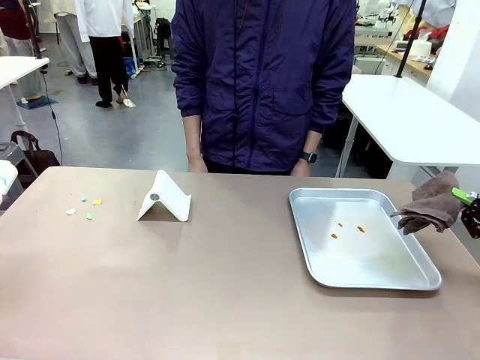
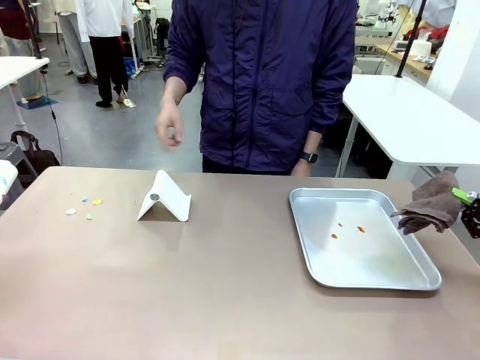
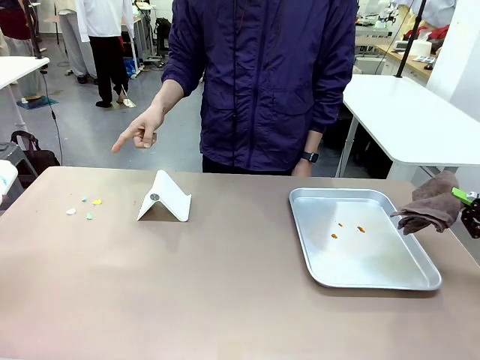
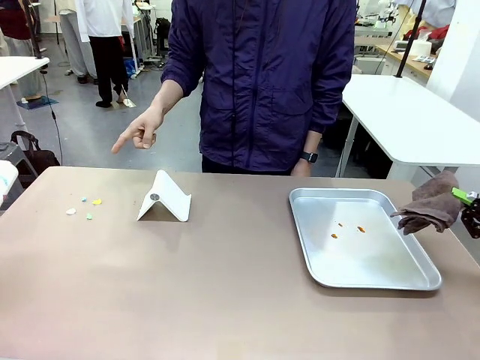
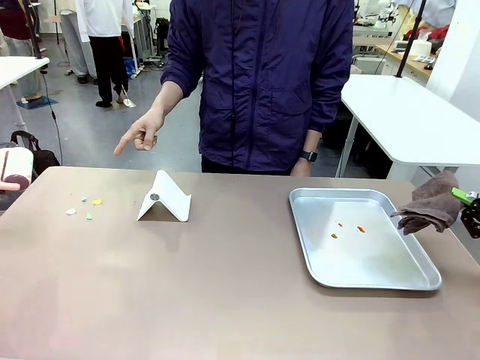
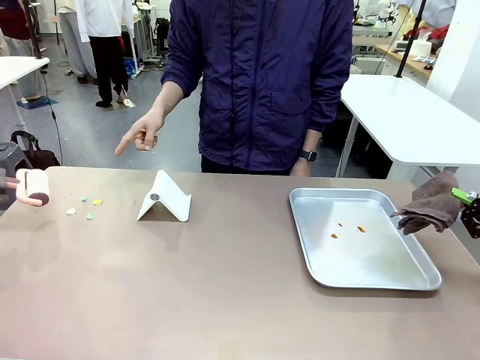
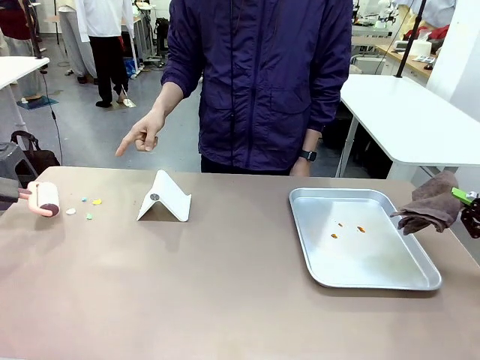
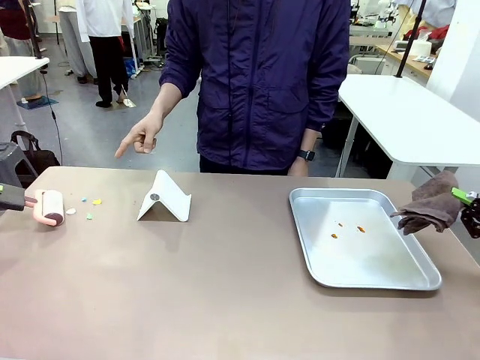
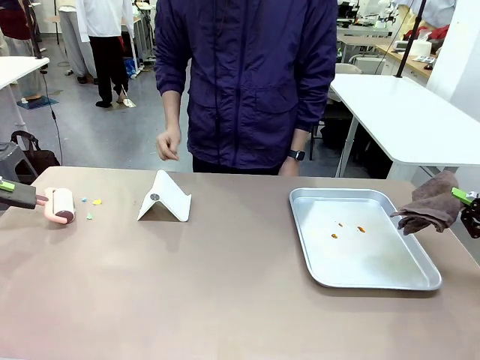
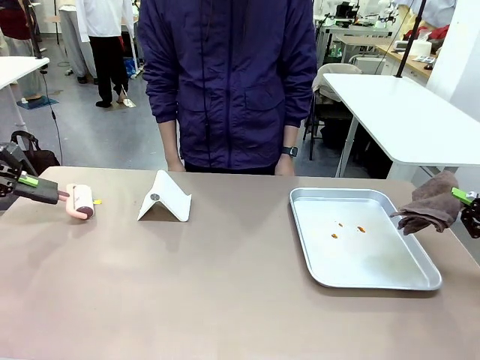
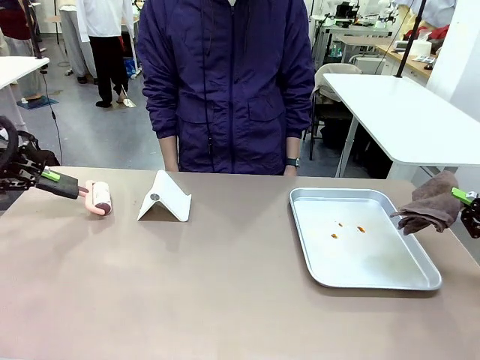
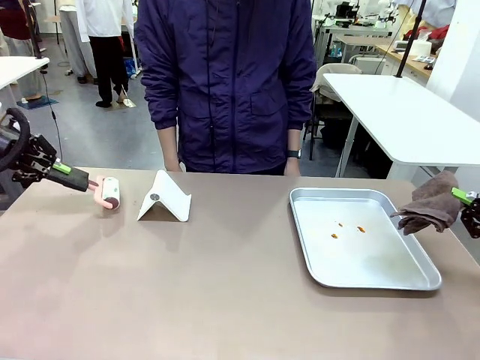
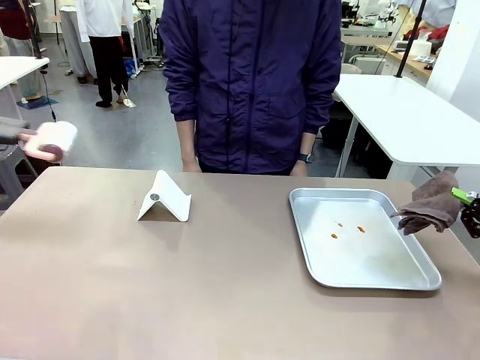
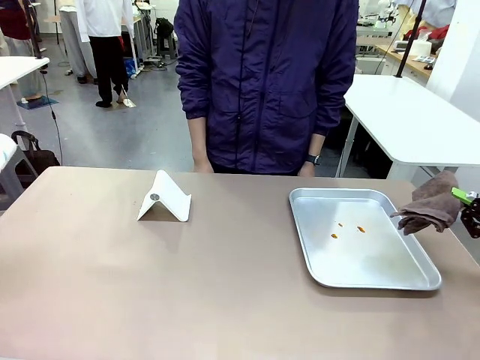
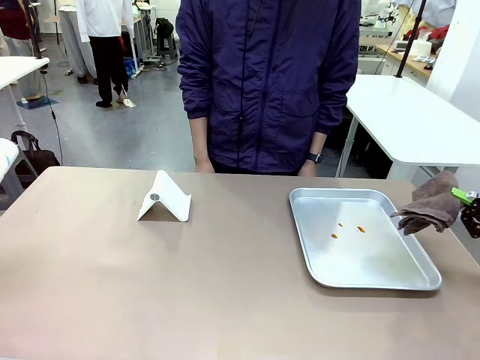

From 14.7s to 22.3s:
Task: Clean the surface of the table.
Robot: If a person points to the right, clean the right side of the table with your right hand, and if they point to the left, clean the left side with your left hand.

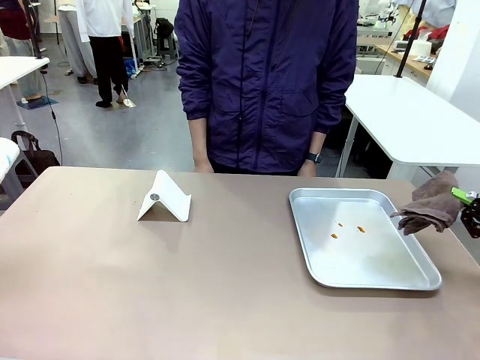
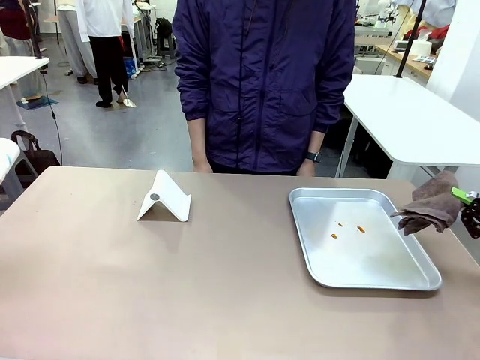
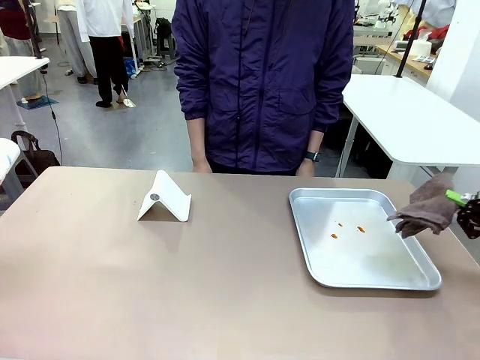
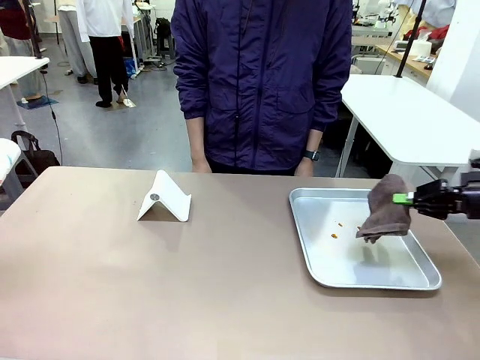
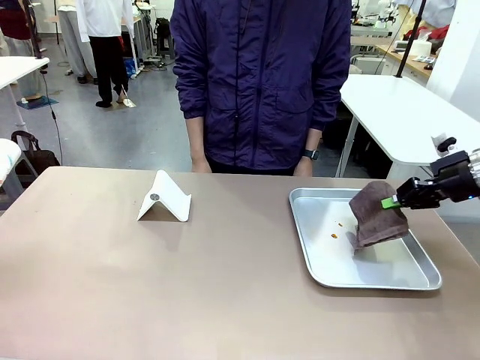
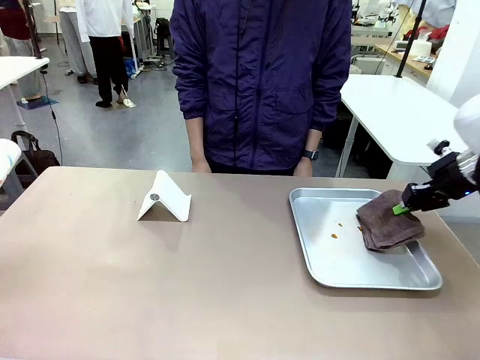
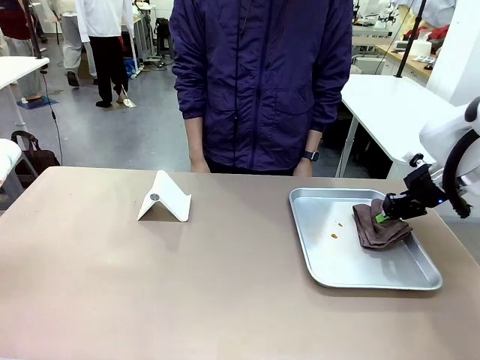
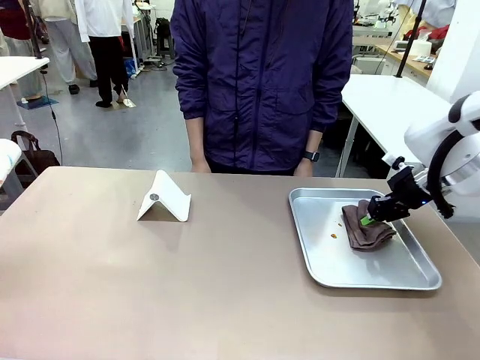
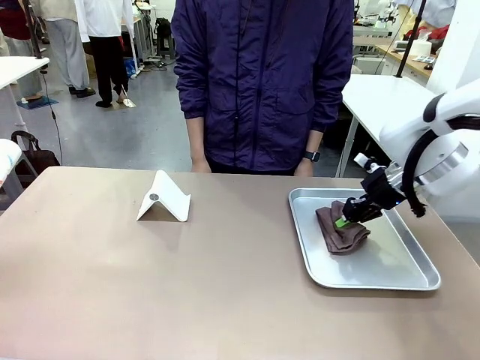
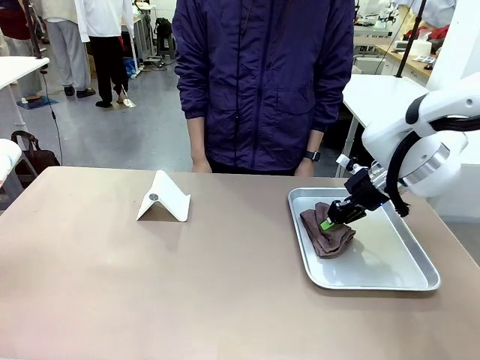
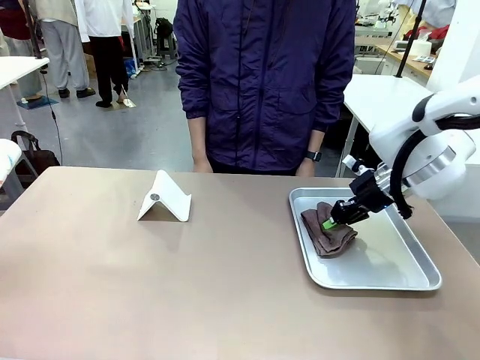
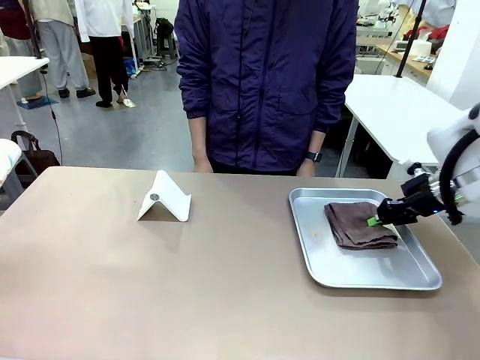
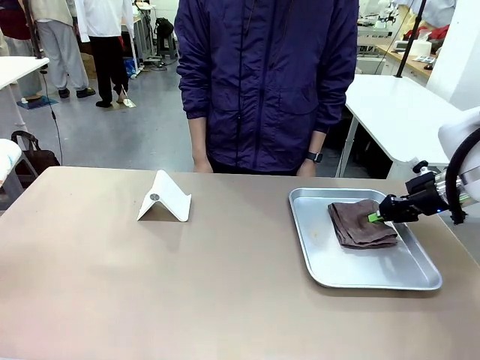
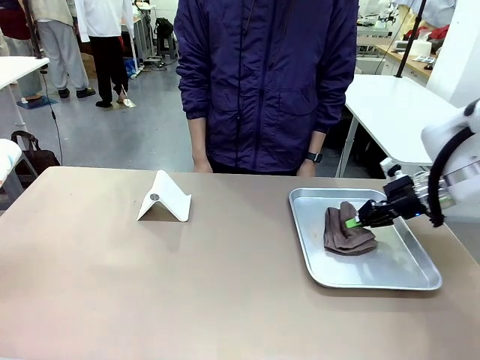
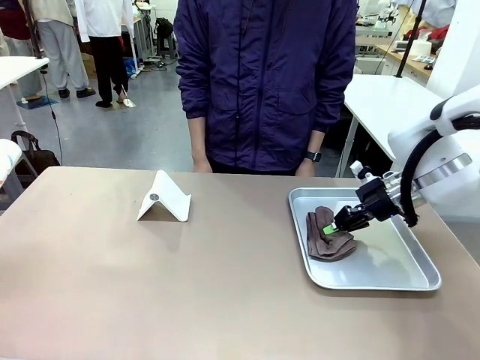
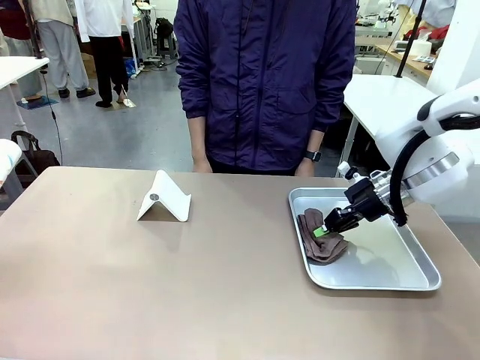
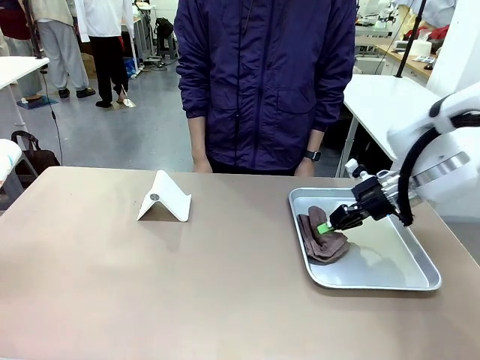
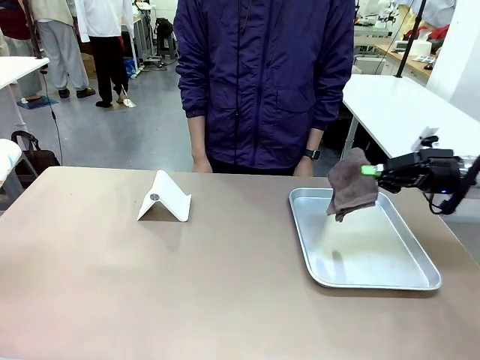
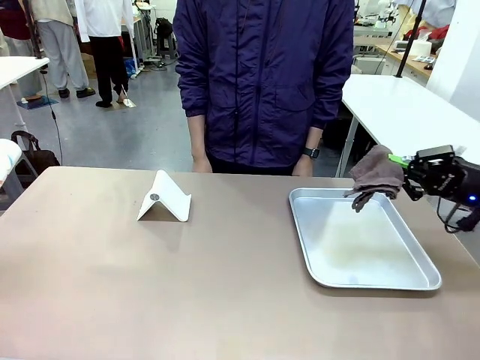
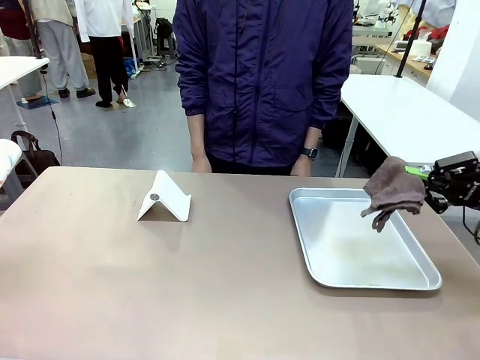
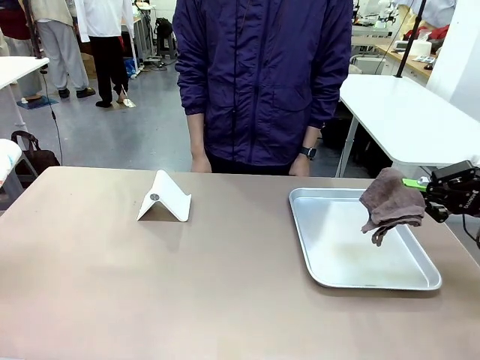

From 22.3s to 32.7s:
Robot: Clean the area not pointed to by the person.

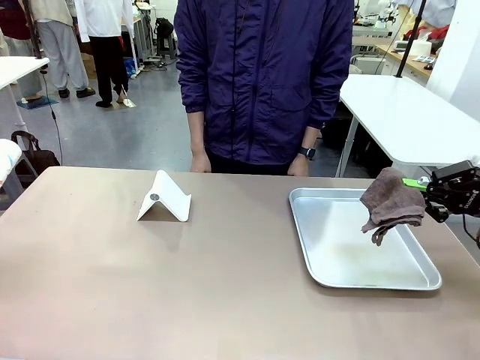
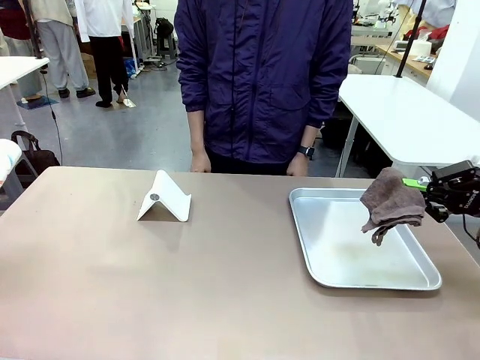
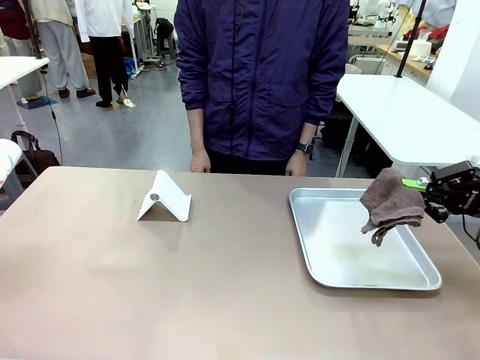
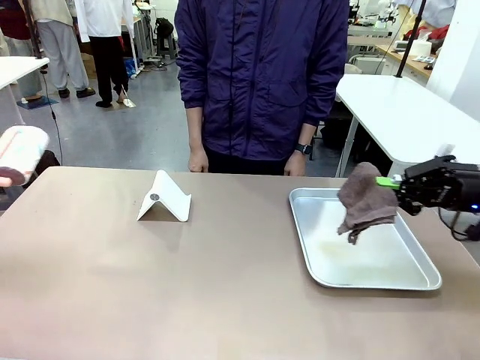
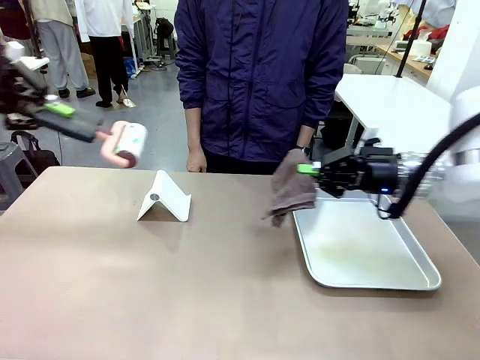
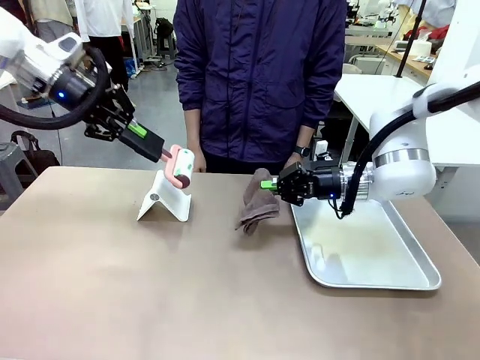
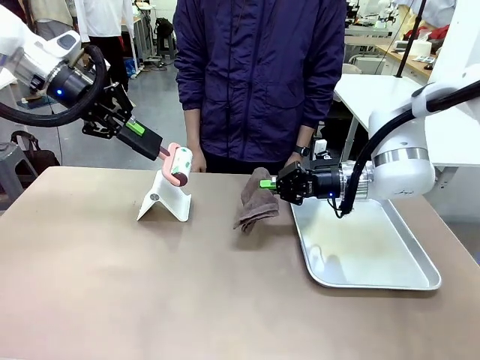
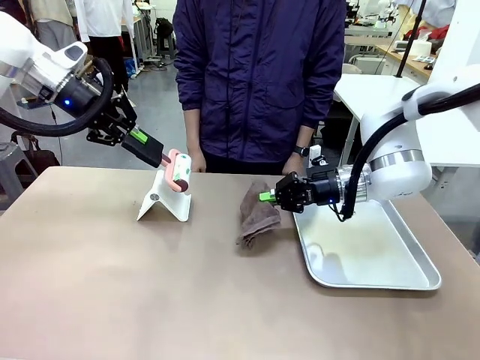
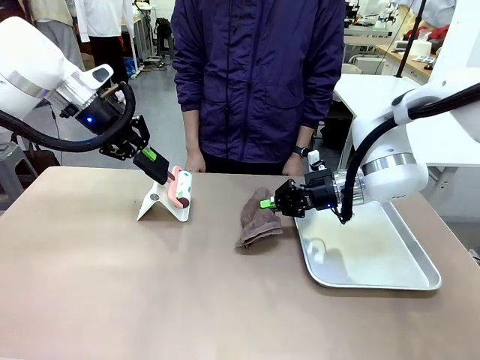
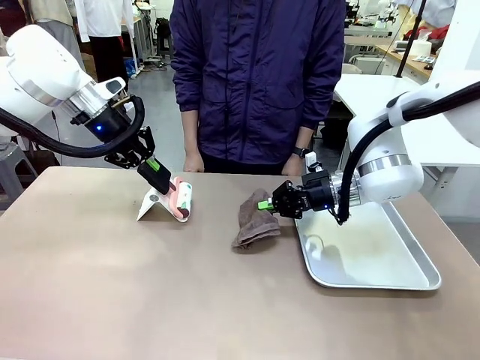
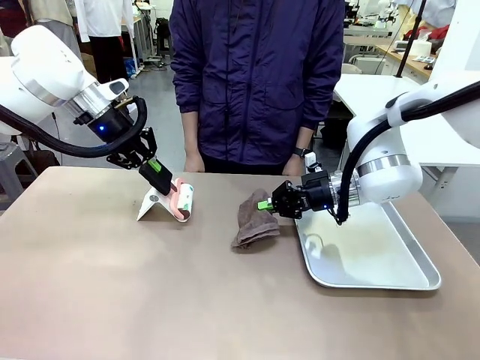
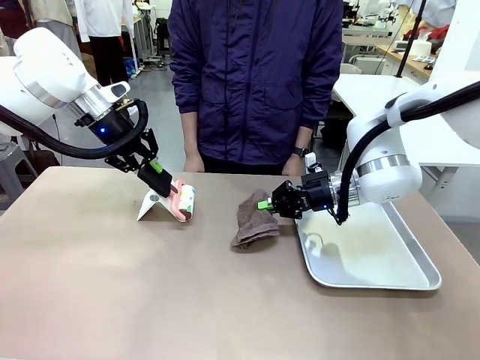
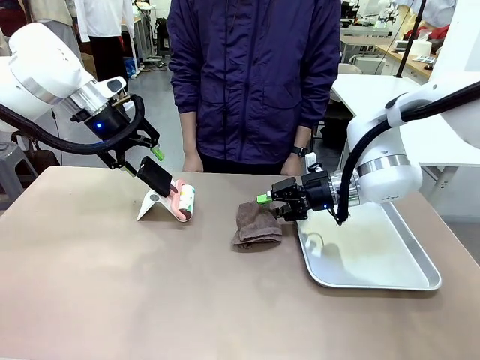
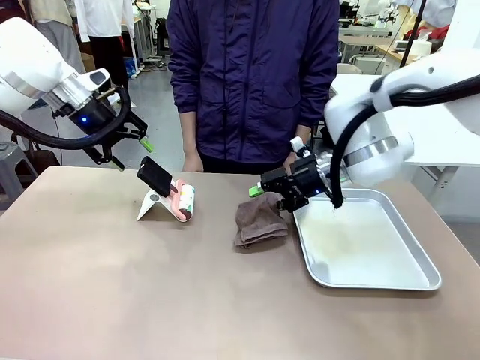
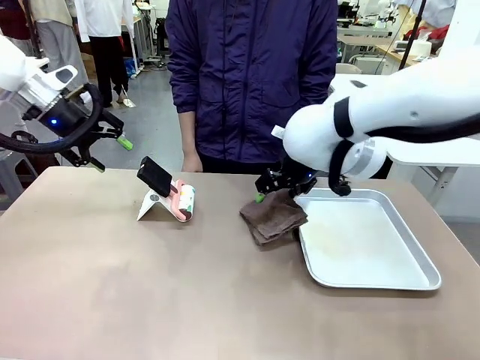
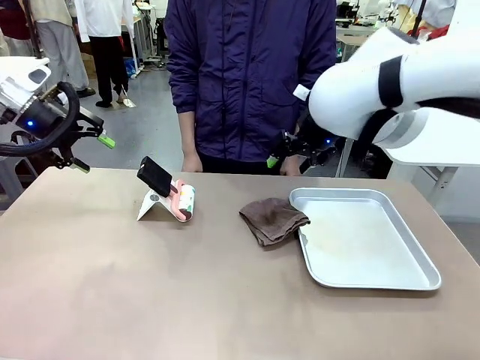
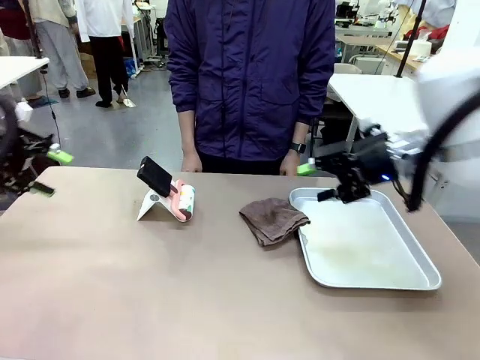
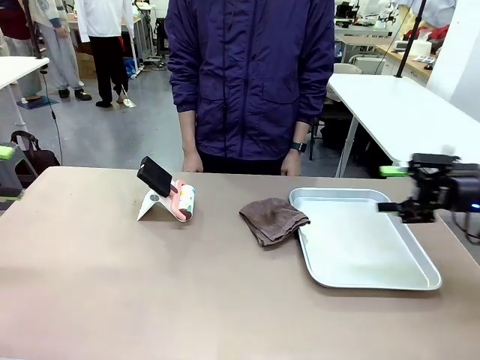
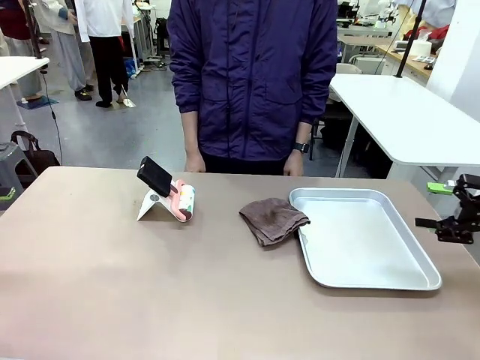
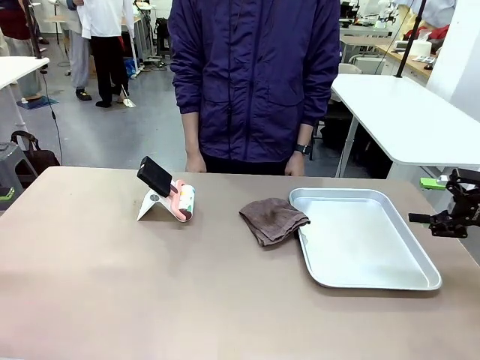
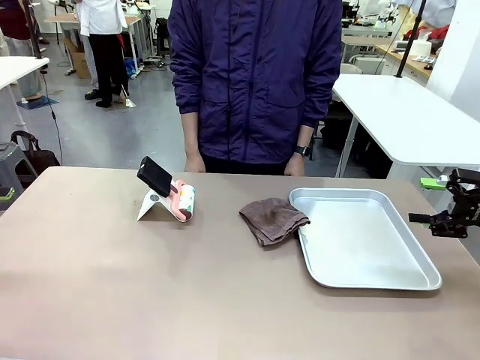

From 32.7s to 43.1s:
Robot: Return the Lint Roller and towel to their original positions.
